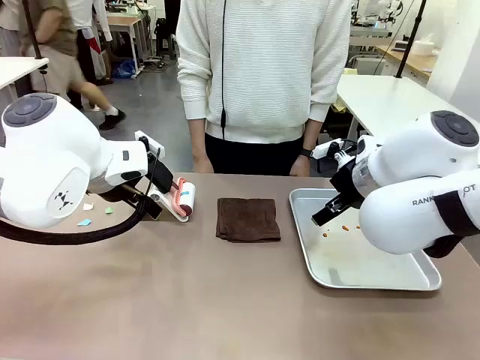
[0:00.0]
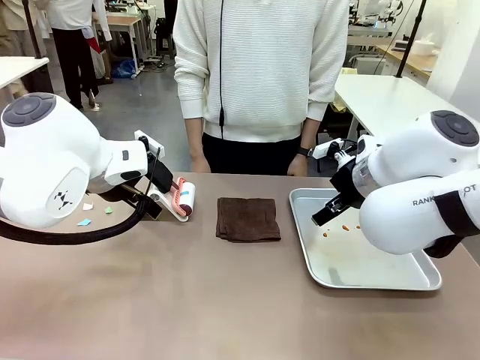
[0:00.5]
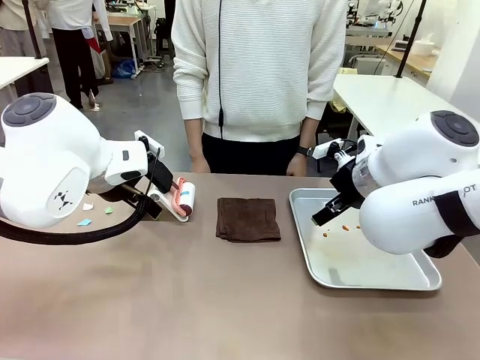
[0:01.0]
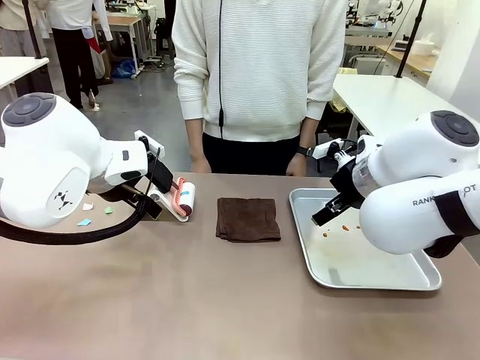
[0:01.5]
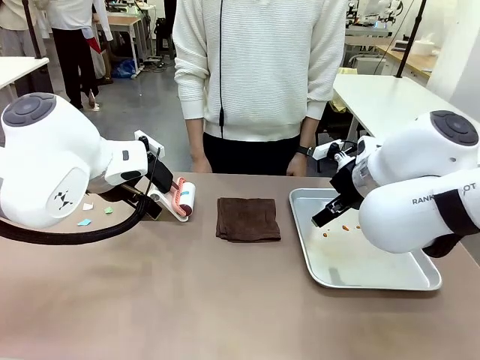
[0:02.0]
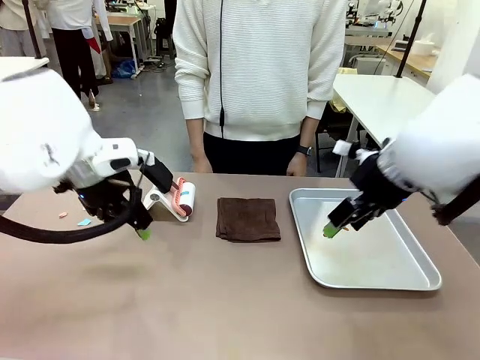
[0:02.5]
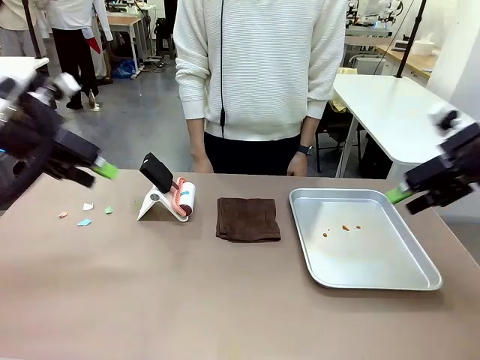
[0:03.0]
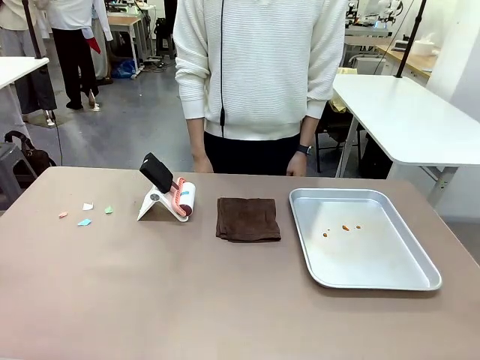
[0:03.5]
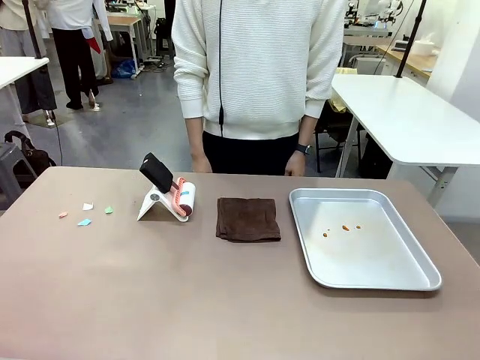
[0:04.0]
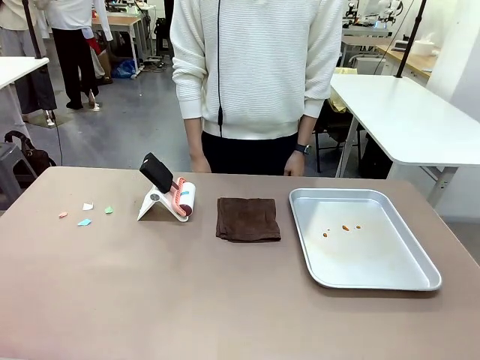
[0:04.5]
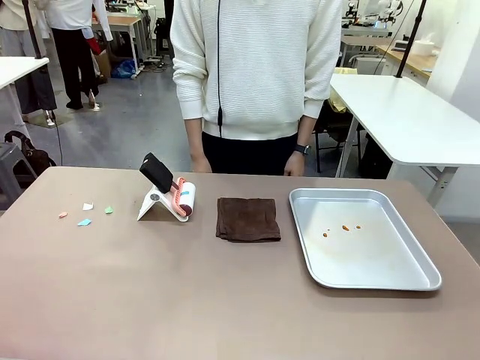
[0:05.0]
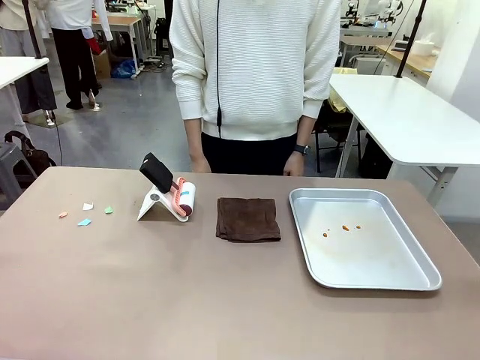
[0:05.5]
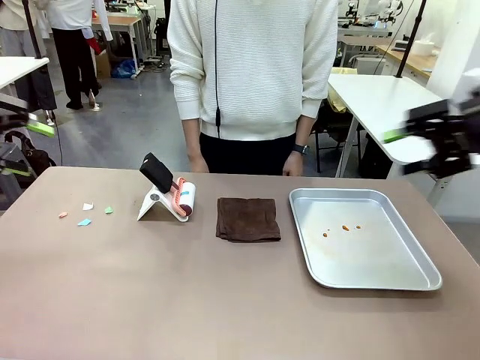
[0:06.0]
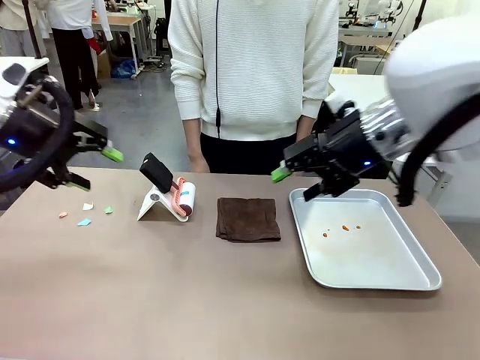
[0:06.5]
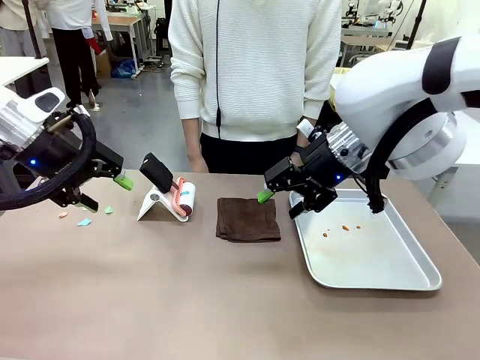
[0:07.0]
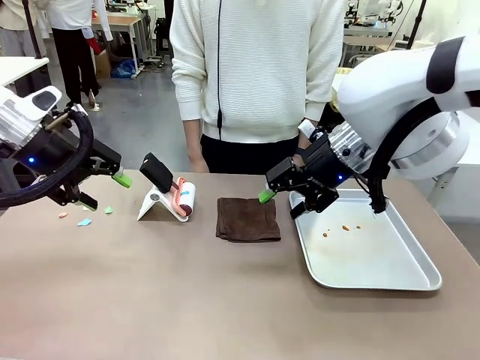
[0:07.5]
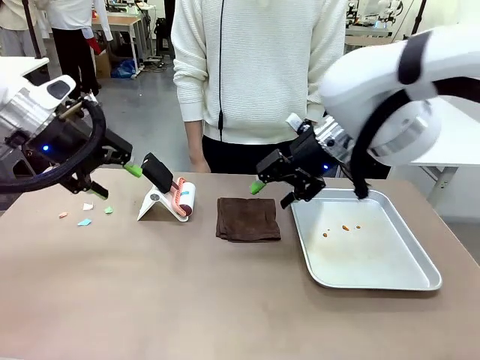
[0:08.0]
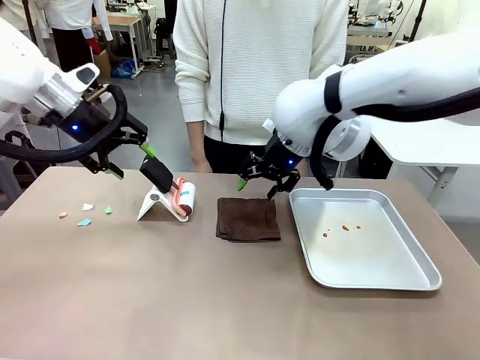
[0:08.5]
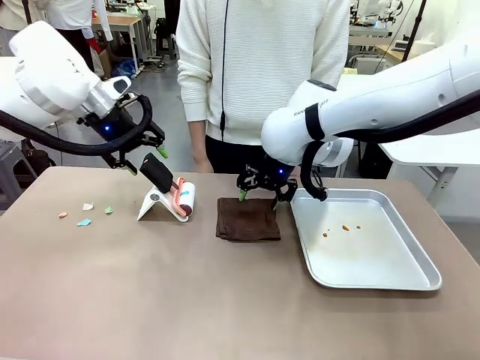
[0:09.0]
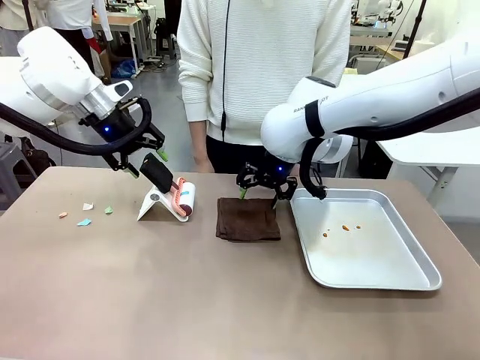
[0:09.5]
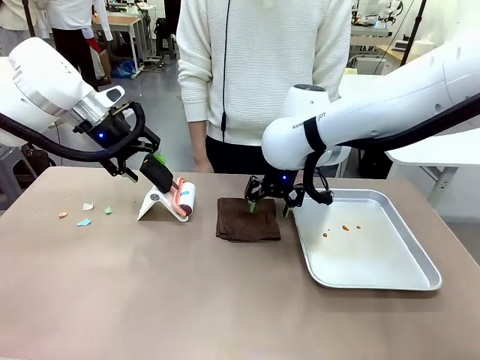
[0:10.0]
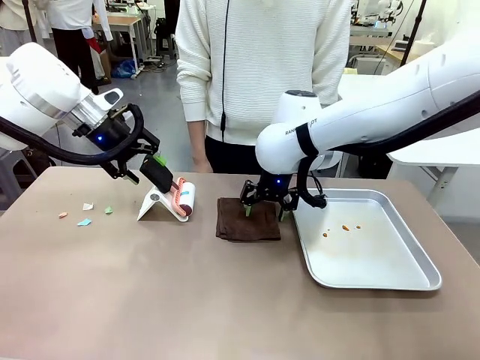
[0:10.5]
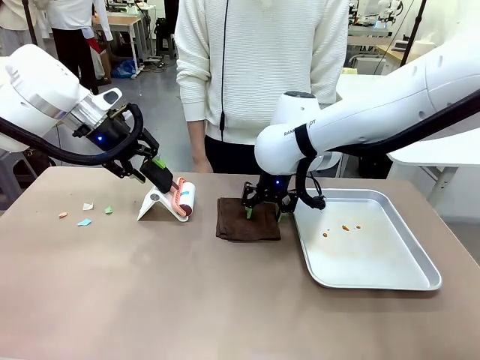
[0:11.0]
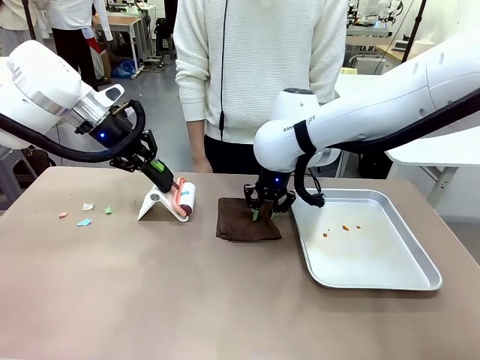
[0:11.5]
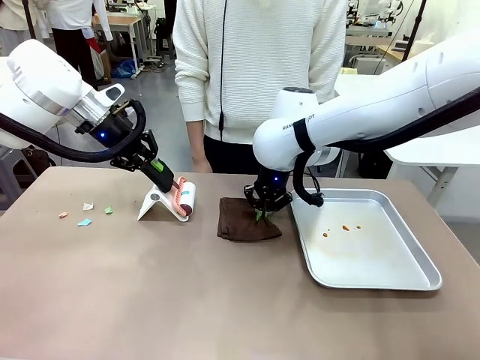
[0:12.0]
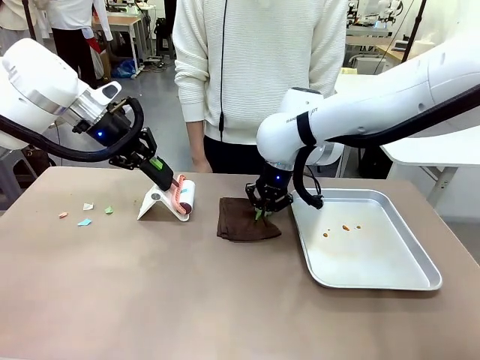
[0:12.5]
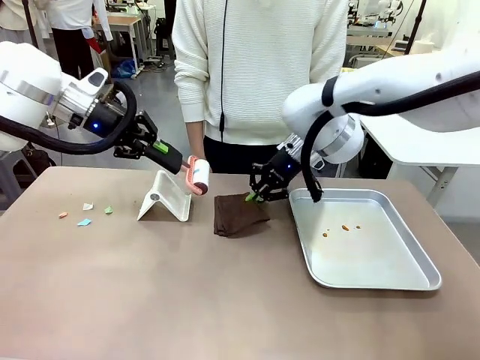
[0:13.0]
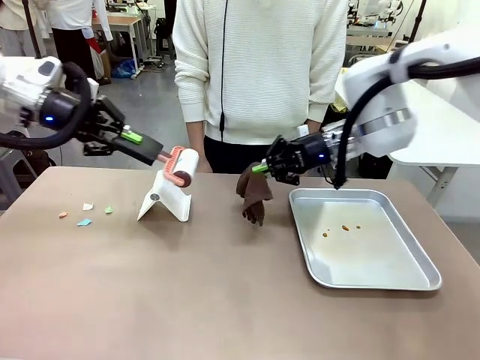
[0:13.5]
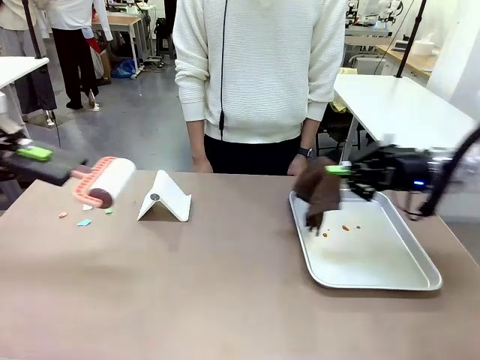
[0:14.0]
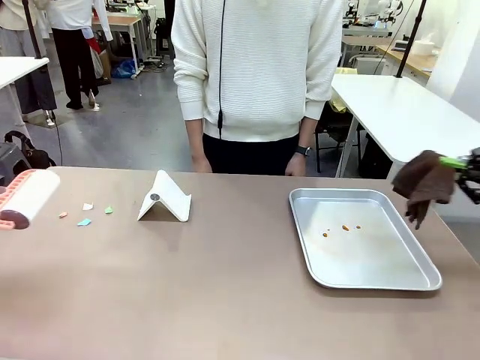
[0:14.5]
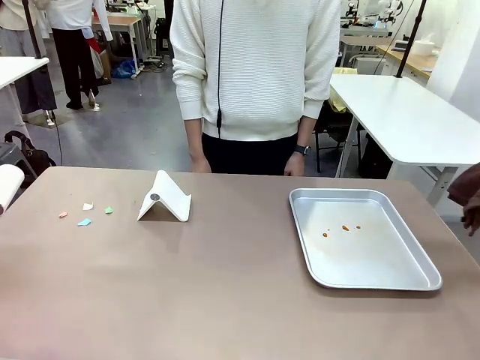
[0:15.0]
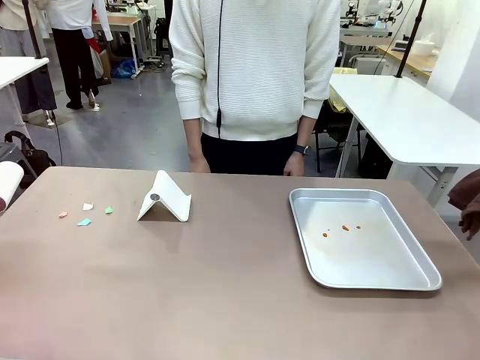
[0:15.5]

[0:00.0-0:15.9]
Task: Clean the surface of the table.
Robot: Hold the Lint Roller with your left hand and the towel with your right hand.

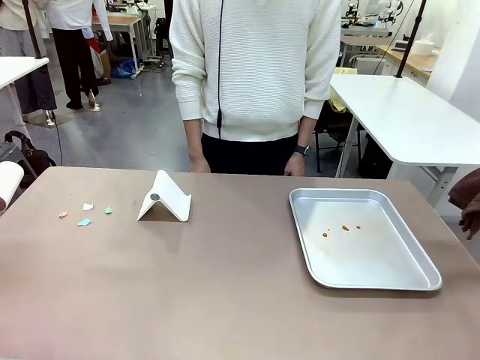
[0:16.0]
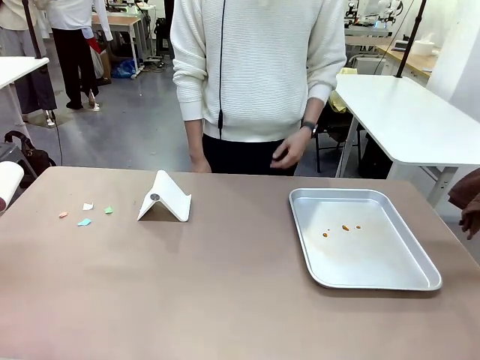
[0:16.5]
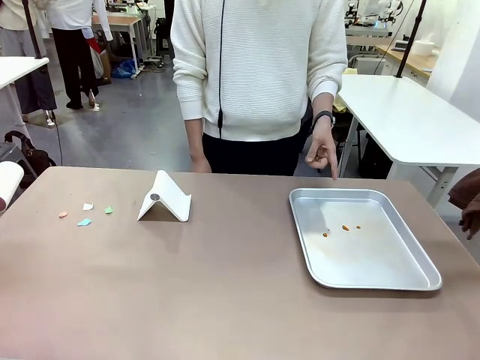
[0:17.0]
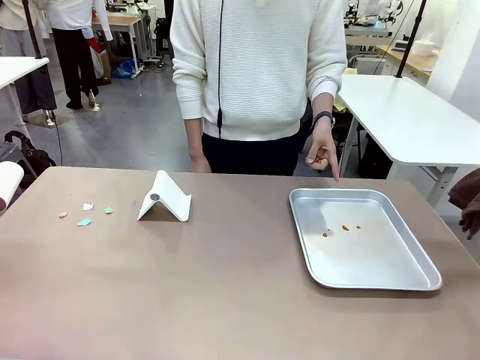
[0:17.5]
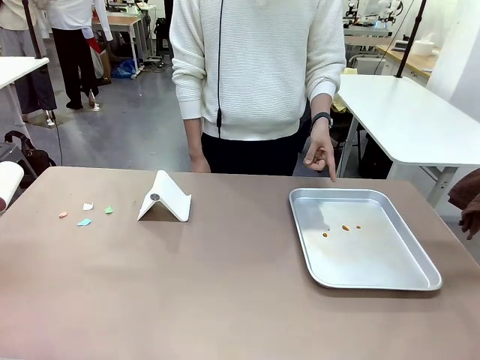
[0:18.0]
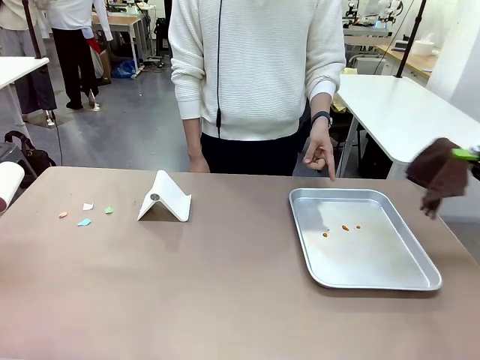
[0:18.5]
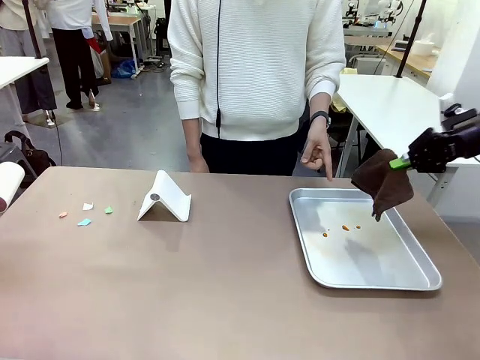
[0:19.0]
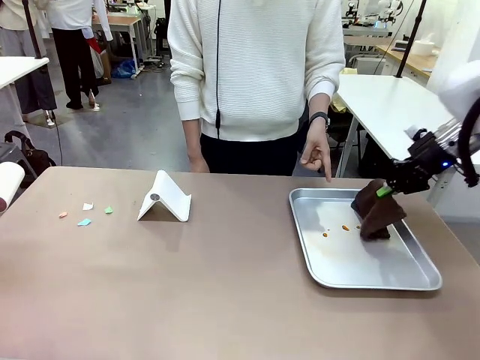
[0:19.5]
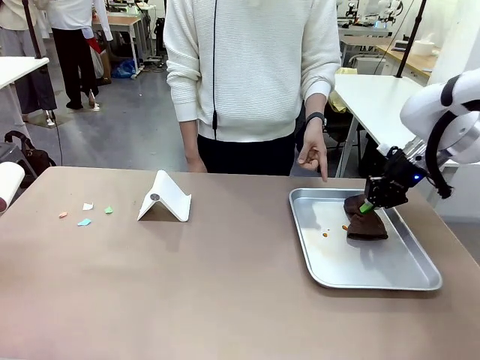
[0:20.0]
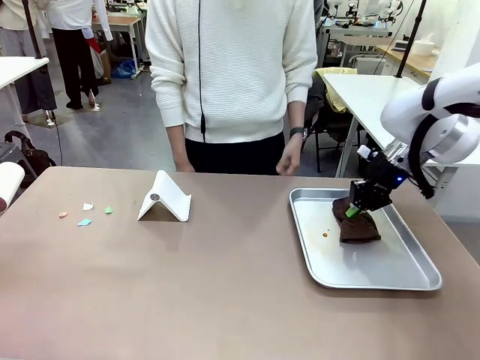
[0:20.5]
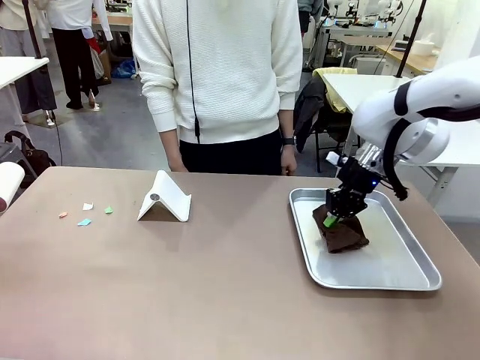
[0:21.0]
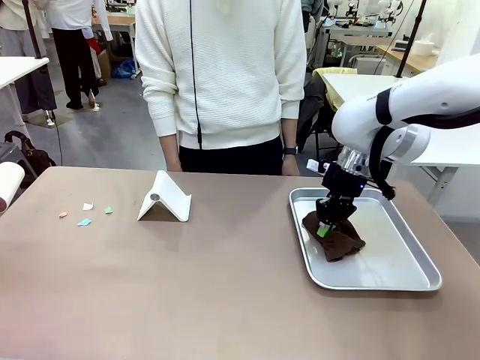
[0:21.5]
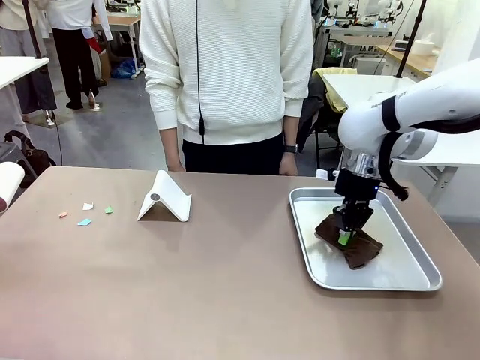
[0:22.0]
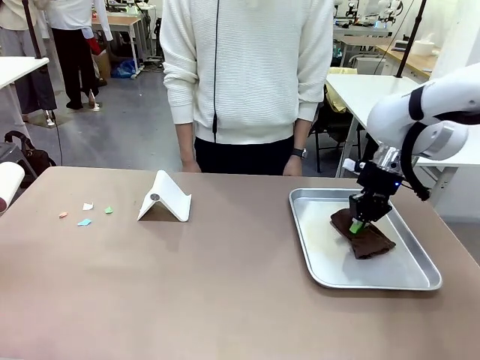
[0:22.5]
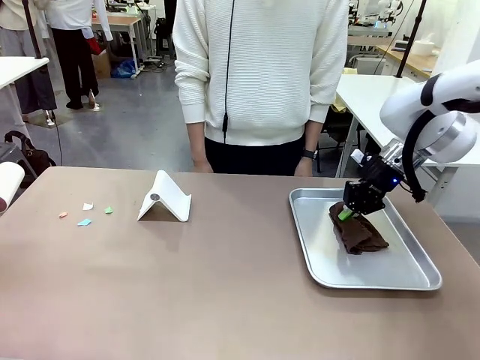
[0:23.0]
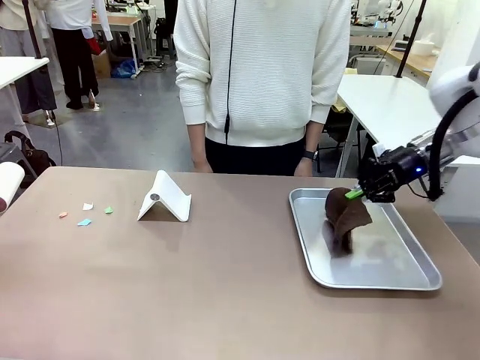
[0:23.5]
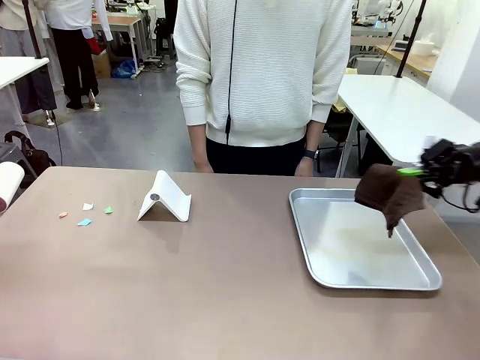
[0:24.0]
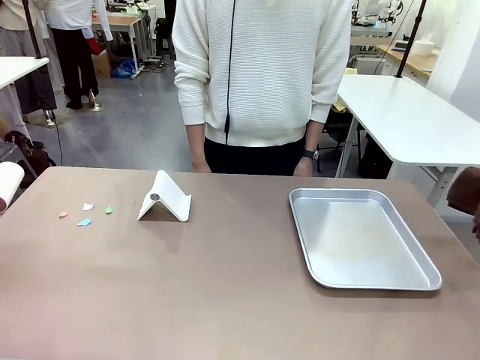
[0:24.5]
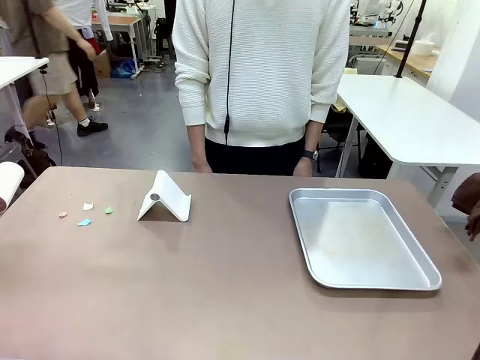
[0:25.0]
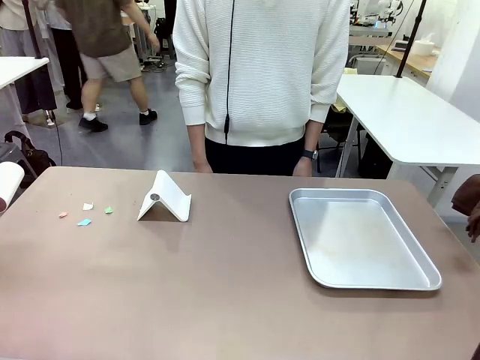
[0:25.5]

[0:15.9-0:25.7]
Robot: If a person points to the right, clean the right side of the table with your right hand, and if they point to the left, clean the left side with your left hand.
